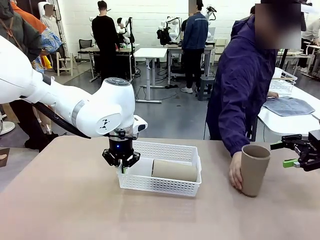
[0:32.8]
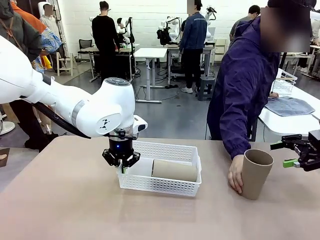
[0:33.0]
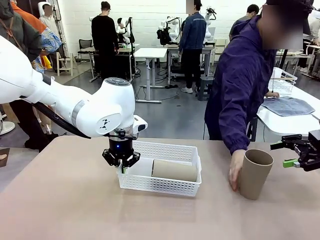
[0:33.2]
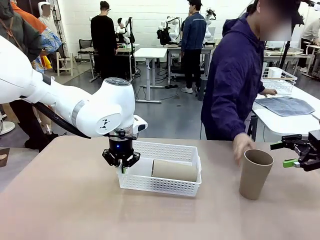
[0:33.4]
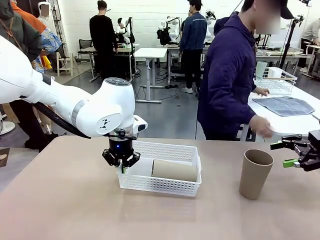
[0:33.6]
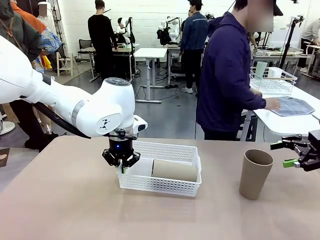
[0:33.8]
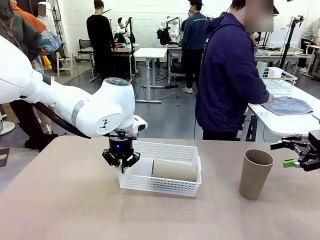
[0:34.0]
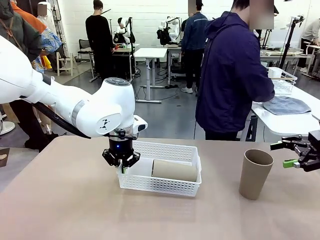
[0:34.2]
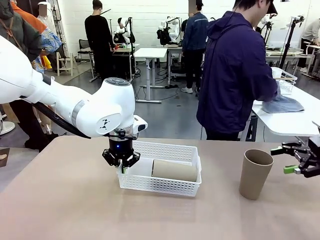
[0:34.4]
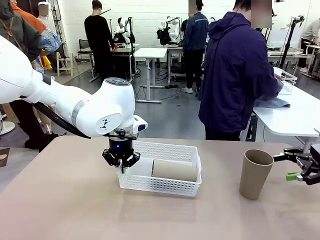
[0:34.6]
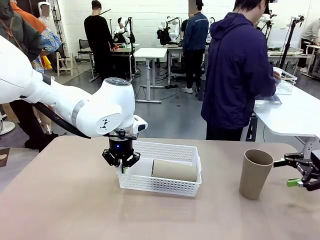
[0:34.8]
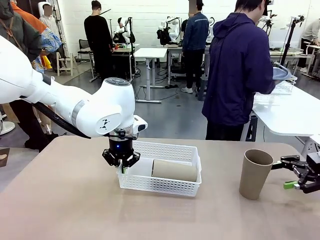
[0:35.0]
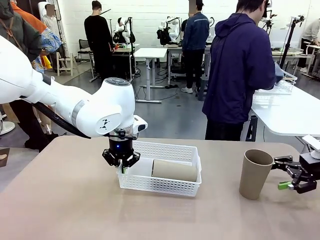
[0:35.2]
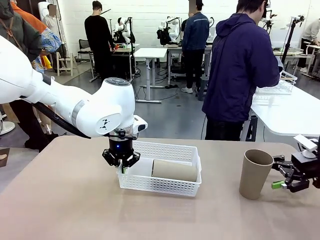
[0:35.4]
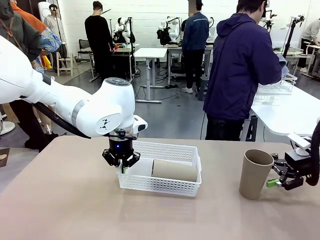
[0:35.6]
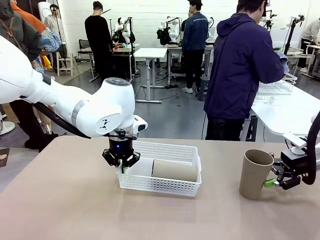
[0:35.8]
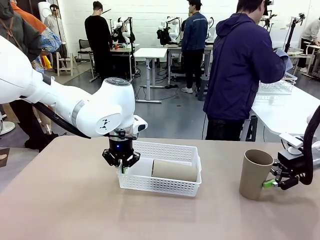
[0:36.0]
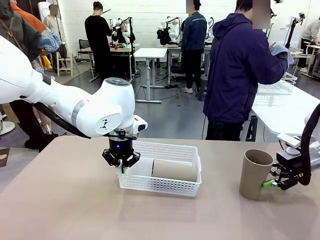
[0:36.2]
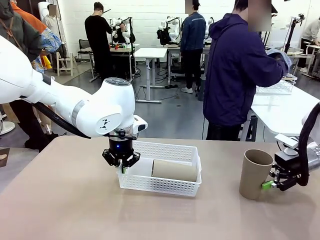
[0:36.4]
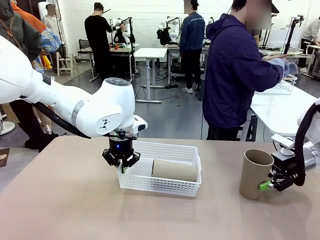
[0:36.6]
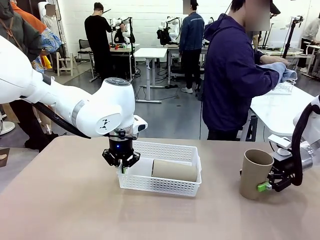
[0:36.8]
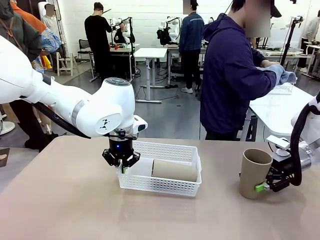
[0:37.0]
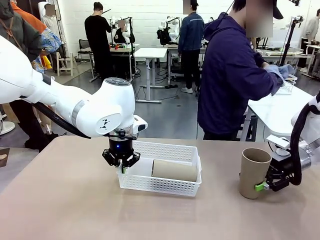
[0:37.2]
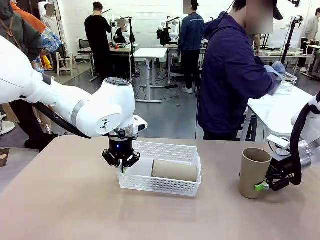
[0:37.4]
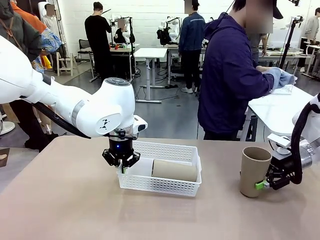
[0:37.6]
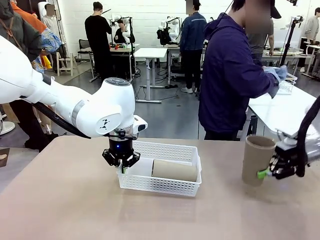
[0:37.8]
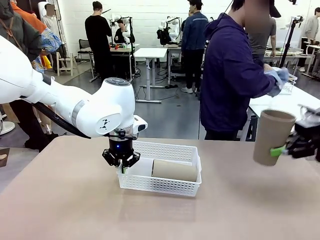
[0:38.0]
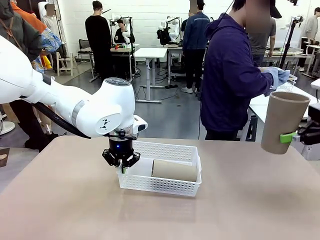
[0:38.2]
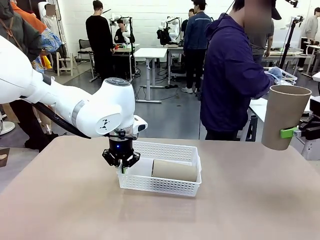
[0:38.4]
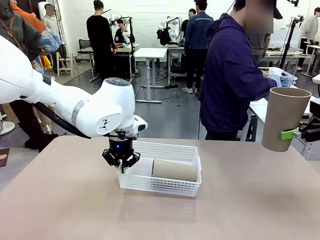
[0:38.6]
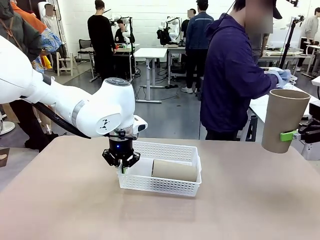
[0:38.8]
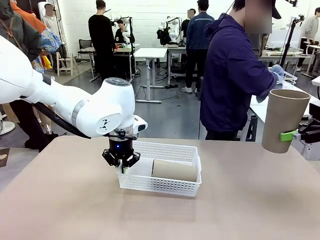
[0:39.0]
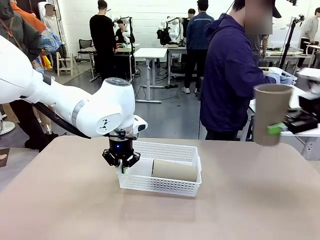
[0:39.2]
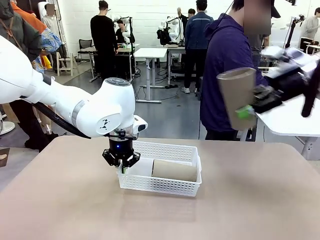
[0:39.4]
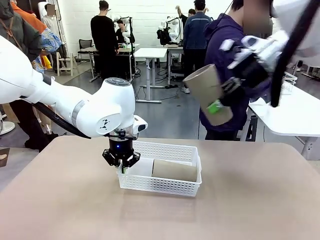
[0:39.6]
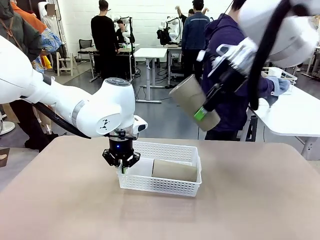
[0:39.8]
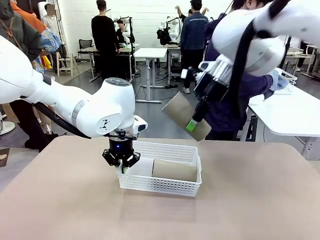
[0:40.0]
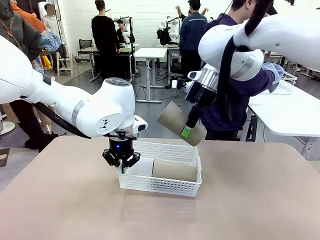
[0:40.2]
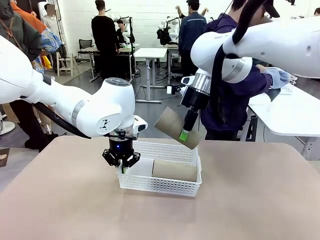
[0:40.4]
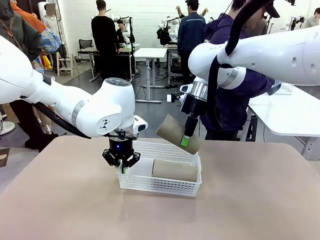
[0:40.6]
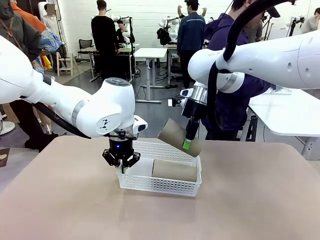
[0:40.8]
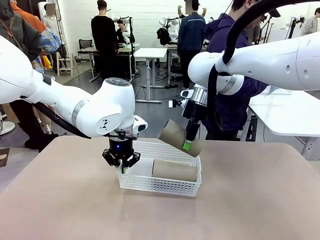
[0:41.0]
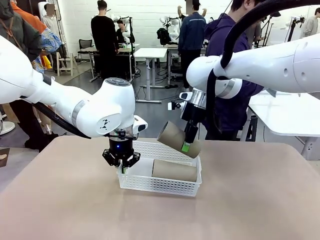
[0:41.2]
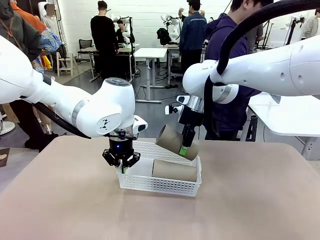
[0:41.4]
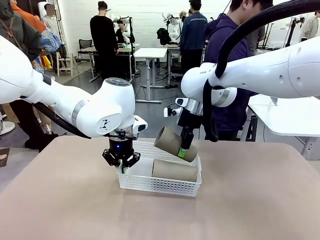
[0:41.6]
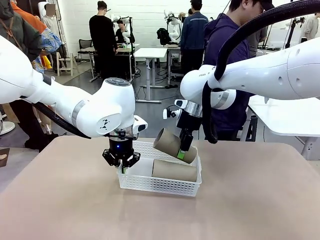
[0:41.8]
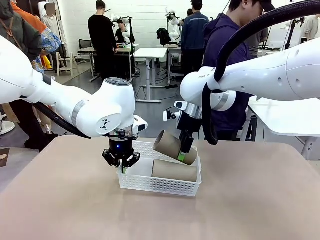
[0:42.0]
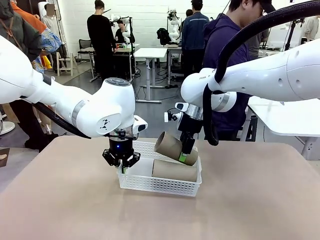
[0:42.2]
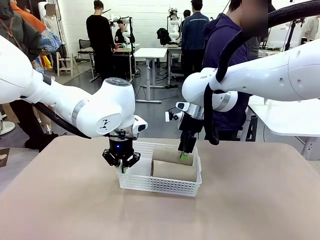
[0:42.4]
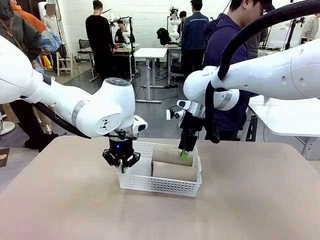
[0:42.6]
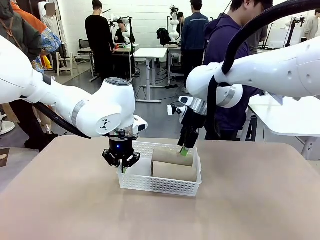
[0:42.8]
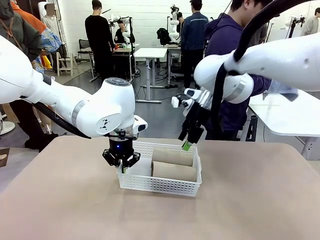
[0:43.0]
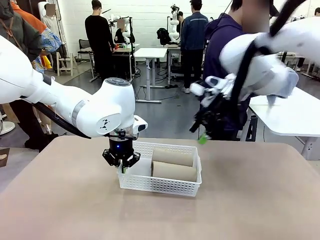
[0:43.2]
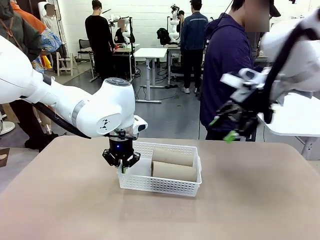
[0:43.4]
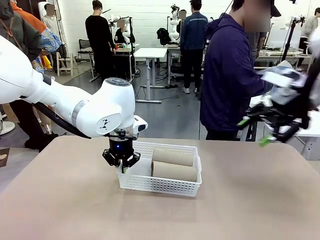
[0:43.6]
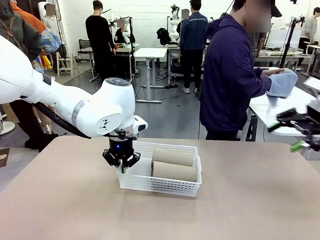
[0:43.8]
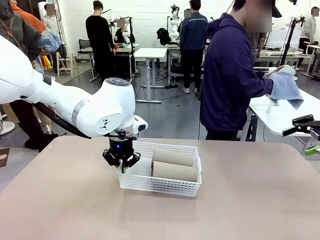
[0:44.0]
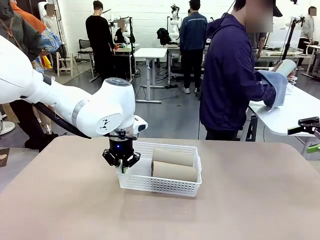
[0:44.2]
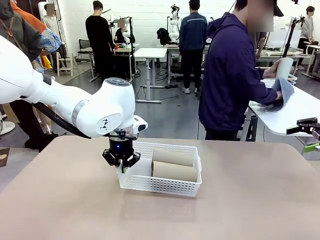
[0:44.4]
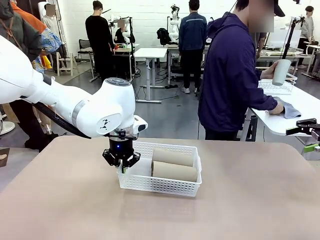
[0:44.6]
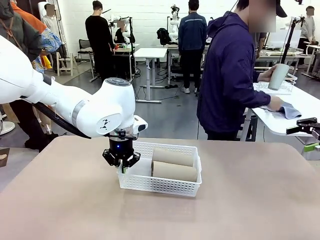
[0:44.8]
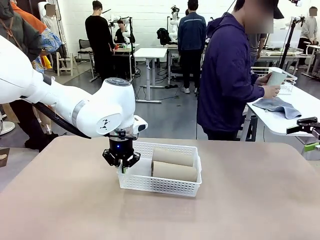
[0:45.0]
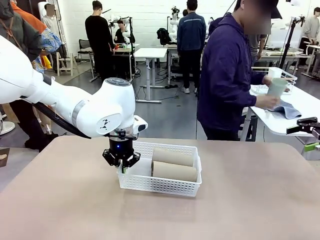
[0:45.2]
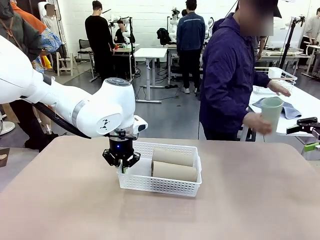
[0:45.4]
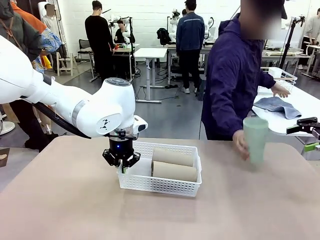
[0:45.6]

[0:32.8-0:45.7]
Task: Clean and organize the cups into the basket.
Robot: Pick up the Reusable plastic cup from the right side of the table and stack it inside the Organizing basket in the center of the table.

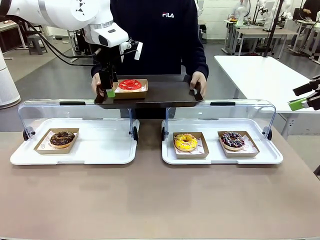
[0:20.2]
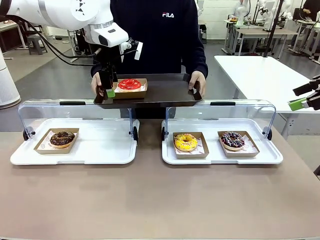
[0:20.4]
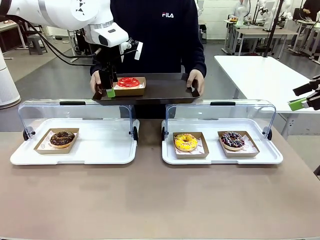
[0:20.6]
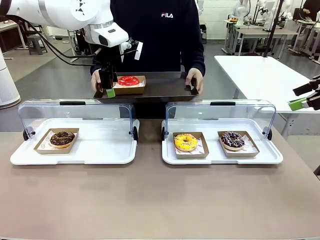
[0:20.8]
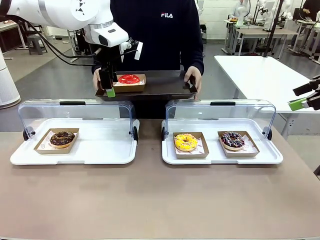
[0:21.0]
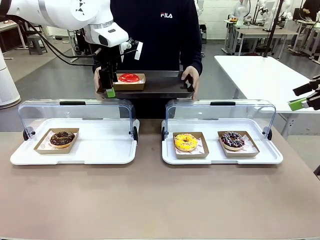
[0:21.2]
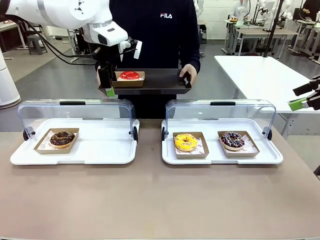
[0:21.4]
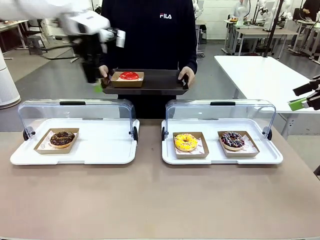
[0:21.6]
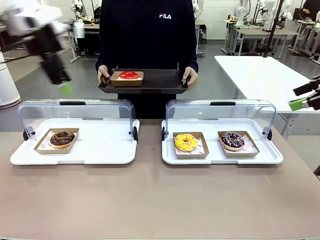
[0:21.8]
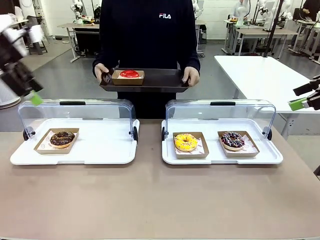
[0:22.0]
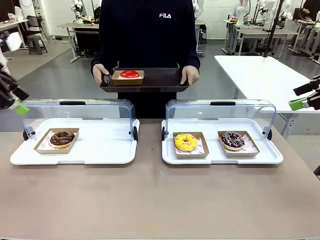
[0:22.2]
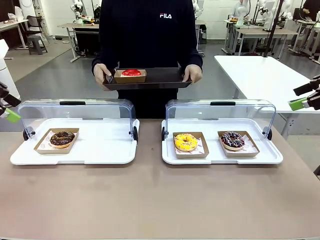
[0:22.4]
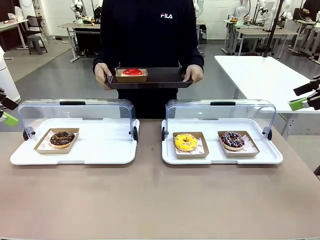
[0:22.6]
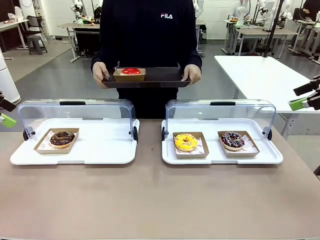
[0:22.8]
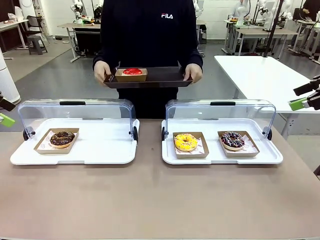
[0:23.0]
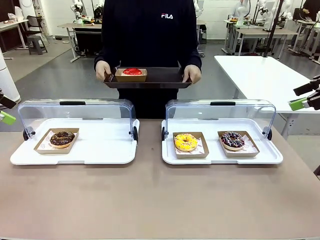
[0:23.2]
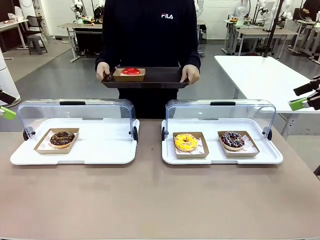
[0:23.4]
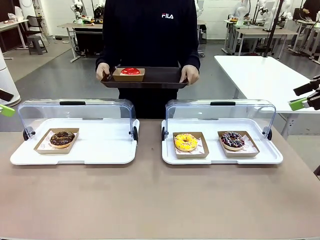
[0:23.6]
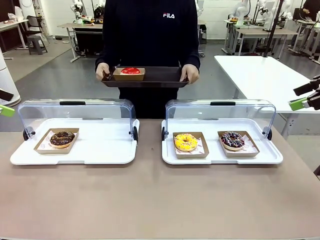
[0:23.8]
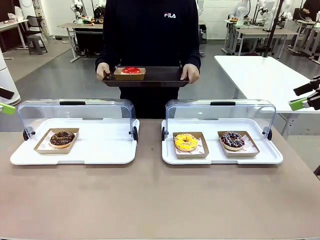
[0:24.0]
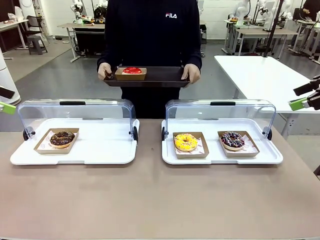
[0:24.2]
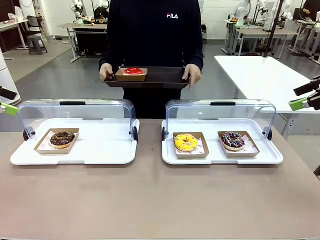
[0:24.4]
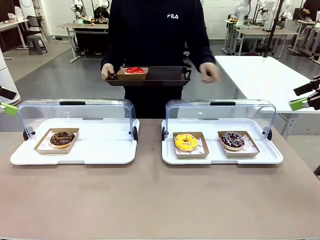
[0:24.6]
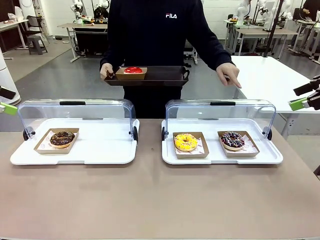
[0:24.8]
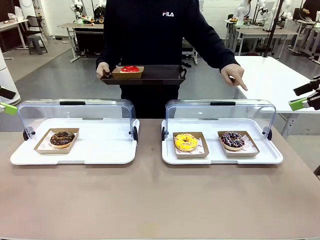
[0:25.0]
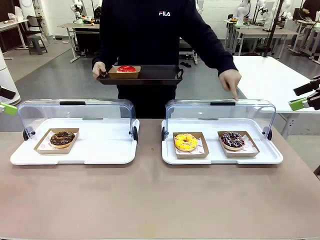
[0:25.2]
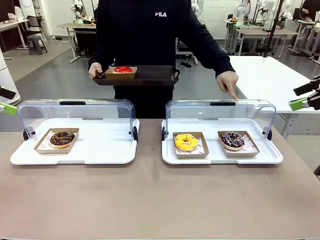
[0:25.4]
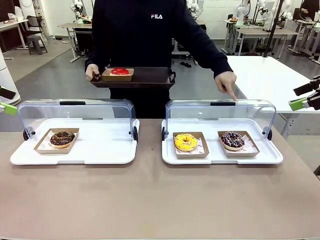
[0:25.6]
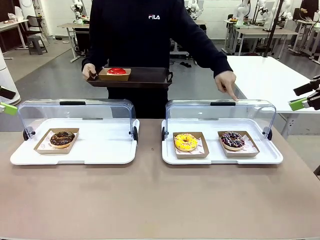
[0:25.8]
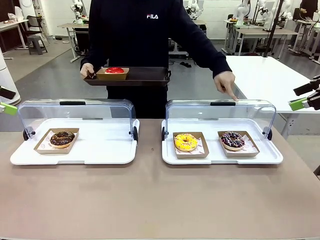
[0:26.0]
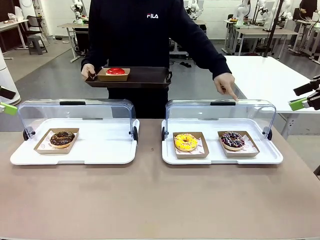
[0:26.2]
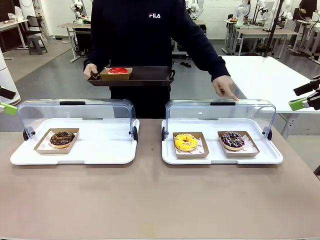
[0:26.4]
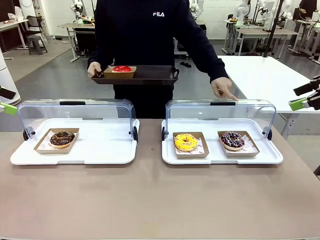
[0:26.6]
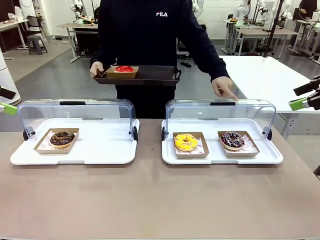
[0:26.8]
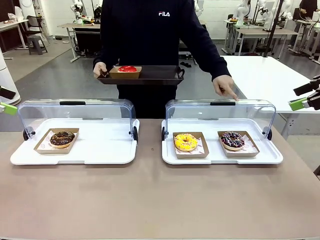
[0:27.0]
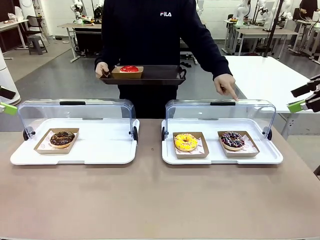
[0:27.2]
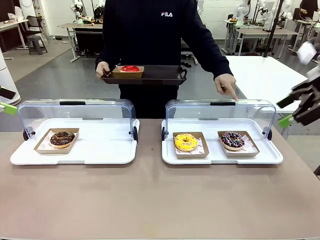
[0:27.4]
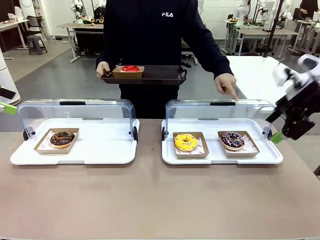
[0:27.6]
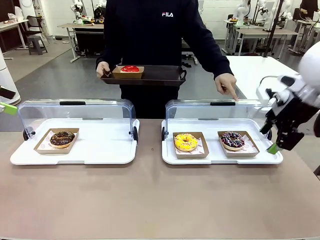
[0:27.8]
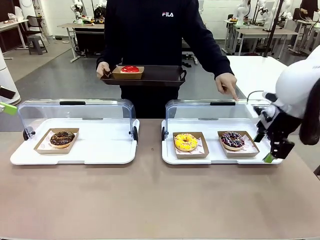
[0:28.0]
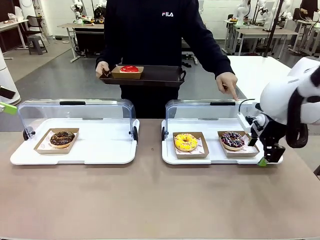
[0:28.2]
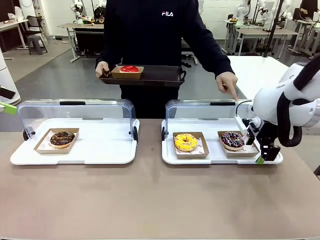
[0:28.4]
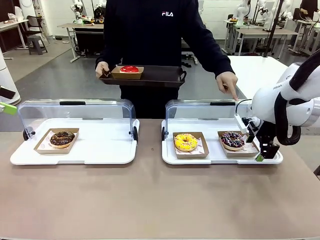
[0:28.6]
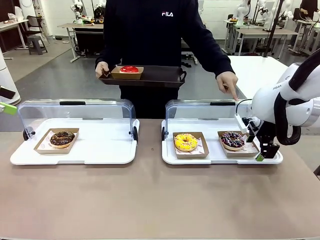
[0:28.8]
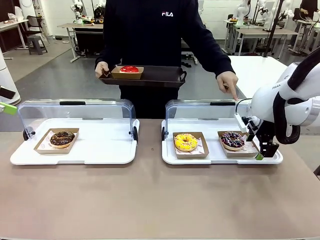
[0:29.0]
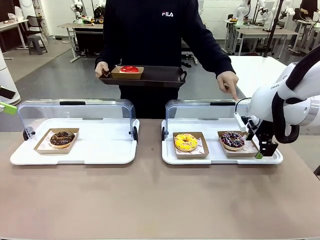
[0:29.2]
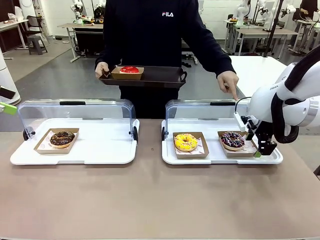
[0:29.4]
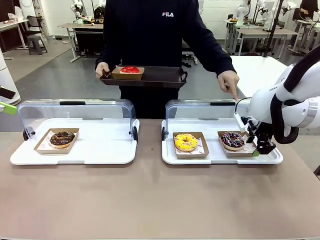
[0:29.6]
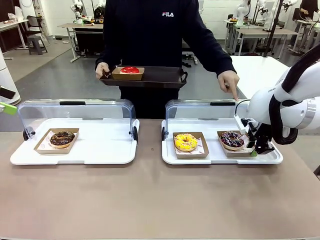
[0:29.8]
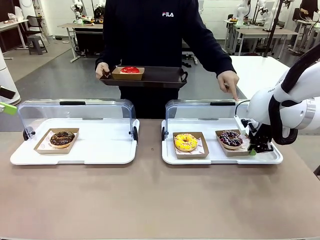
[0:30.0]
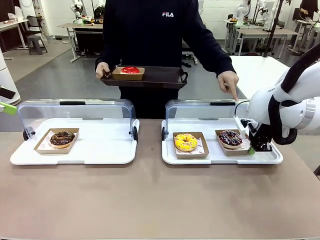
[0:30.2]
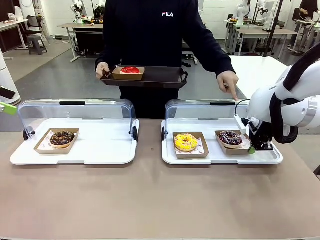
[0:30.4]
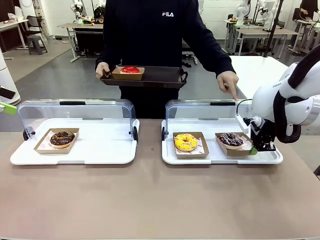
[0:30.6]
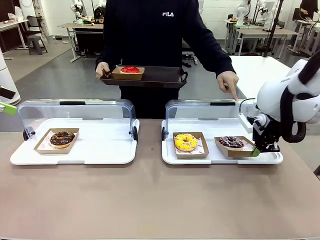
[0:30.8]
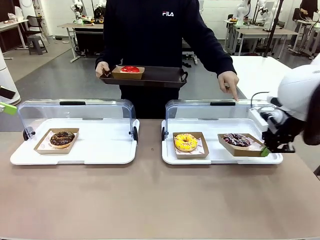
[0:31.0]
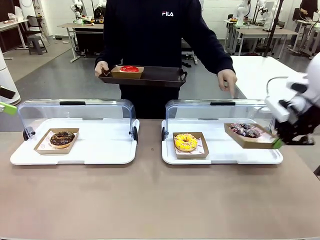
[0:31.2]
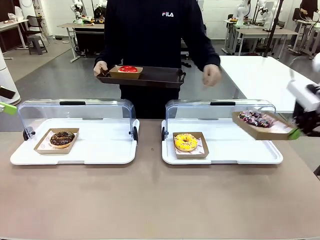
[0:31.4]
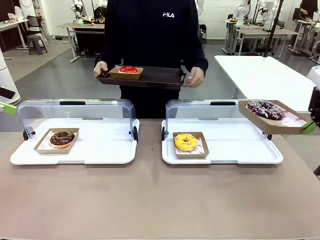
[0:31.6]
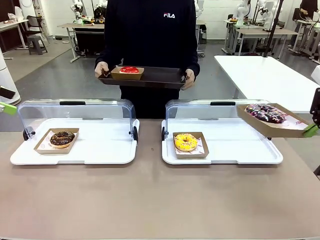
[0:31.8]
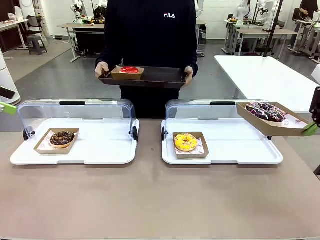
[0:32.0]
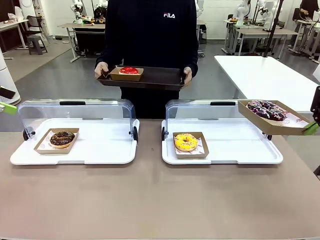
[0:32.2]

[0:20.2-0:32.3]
Task: Provide the desired donut to the person.
Robot: Pick up and lift the Paper togo box containing the Donut pointed at by the person.
Person: Point to one donut. Lift the tray onto the Roll-Top Bakery Case.
